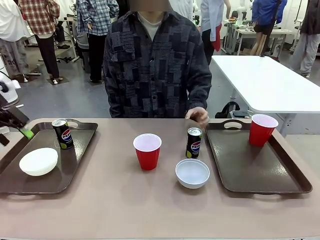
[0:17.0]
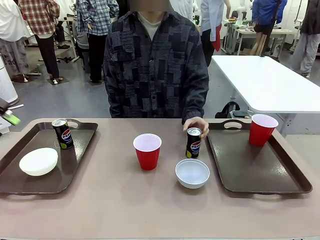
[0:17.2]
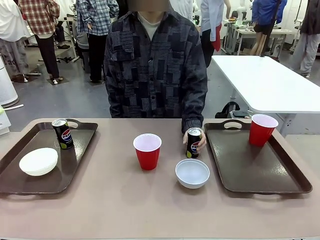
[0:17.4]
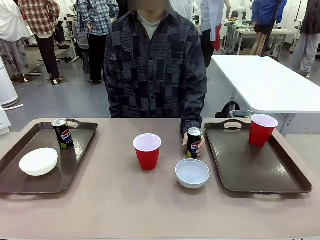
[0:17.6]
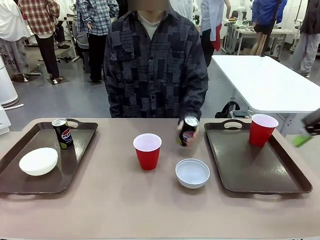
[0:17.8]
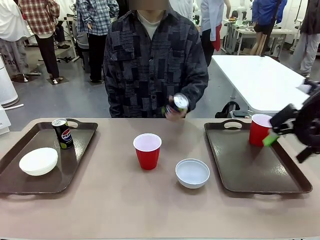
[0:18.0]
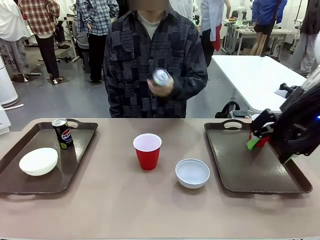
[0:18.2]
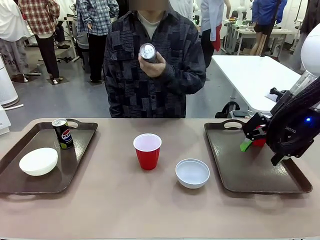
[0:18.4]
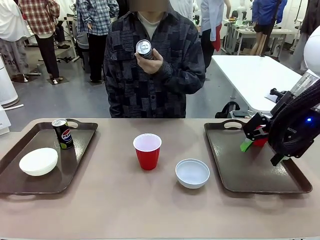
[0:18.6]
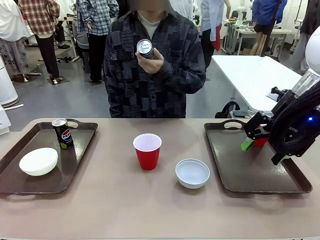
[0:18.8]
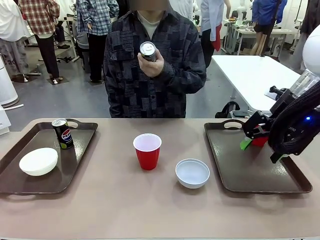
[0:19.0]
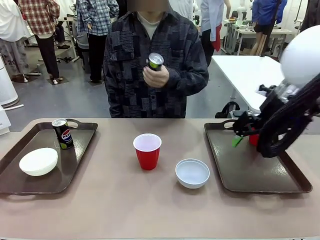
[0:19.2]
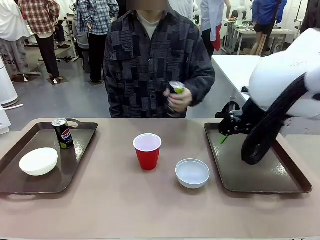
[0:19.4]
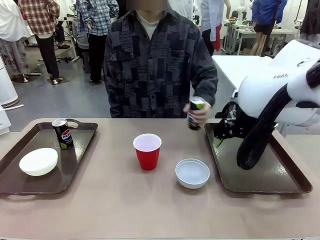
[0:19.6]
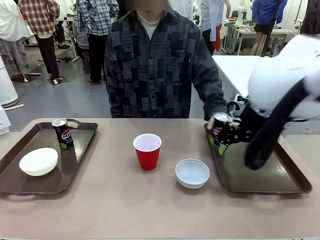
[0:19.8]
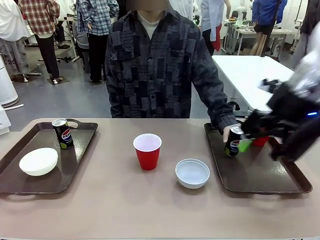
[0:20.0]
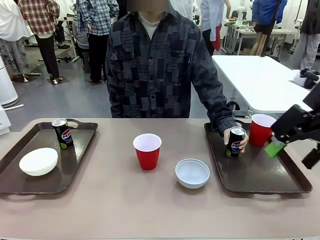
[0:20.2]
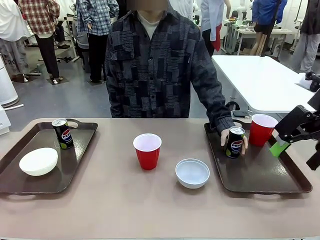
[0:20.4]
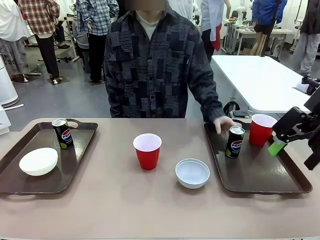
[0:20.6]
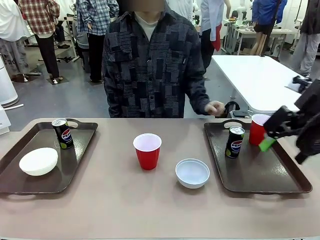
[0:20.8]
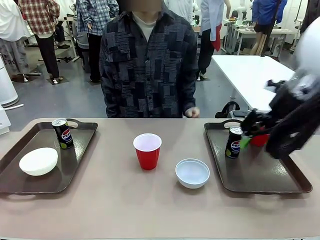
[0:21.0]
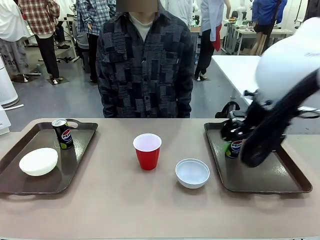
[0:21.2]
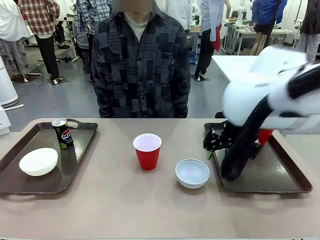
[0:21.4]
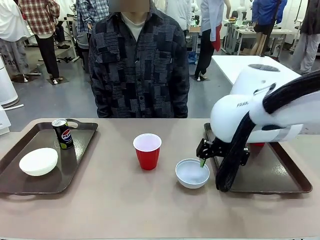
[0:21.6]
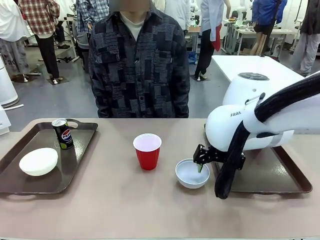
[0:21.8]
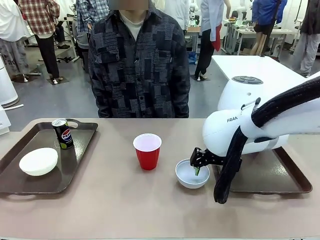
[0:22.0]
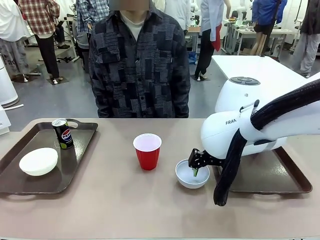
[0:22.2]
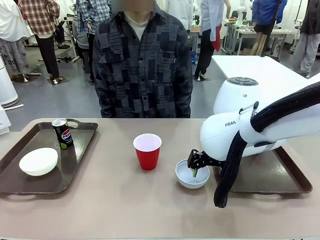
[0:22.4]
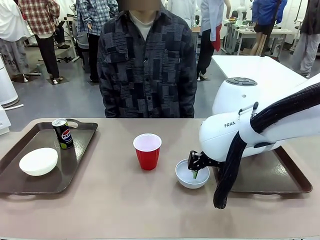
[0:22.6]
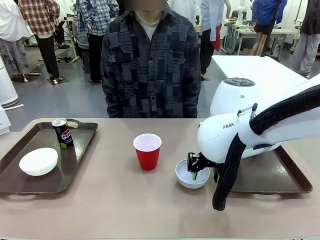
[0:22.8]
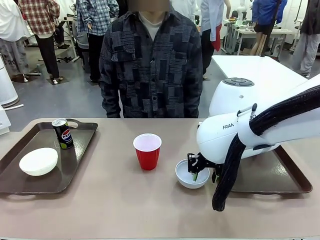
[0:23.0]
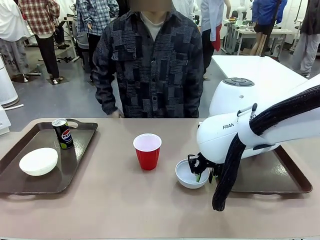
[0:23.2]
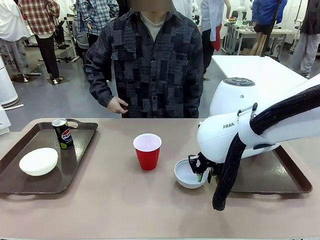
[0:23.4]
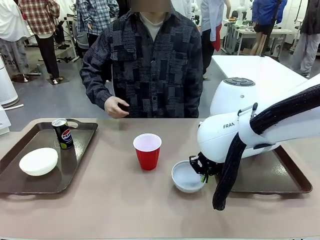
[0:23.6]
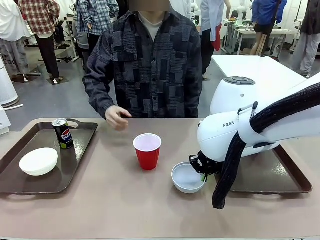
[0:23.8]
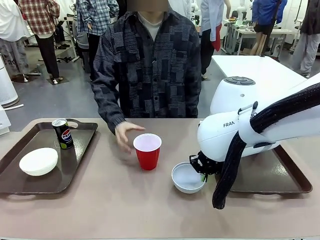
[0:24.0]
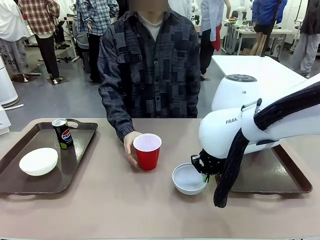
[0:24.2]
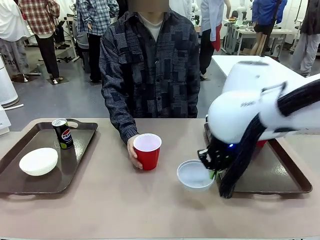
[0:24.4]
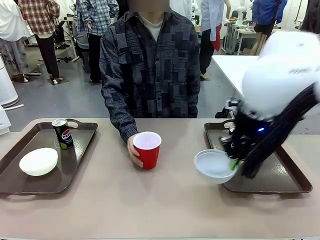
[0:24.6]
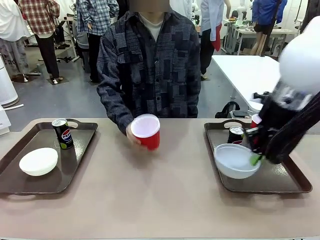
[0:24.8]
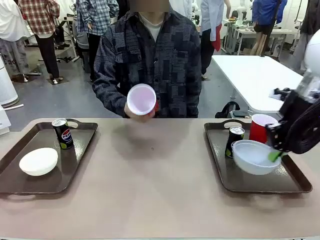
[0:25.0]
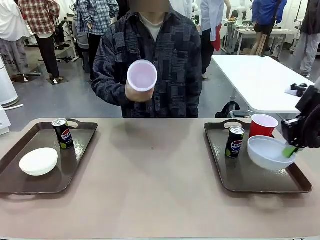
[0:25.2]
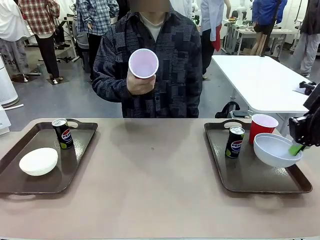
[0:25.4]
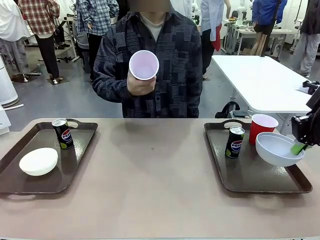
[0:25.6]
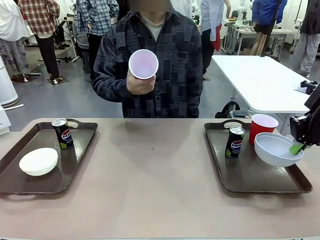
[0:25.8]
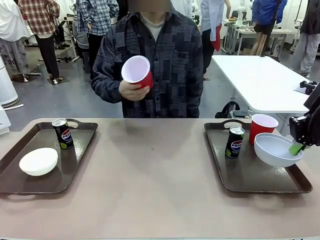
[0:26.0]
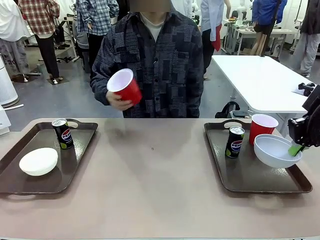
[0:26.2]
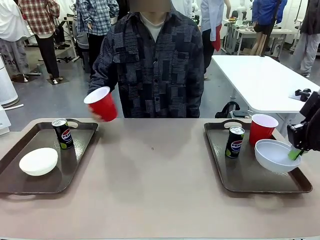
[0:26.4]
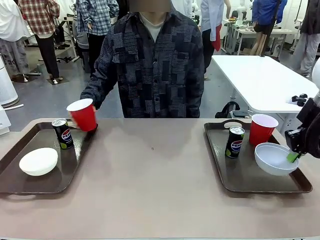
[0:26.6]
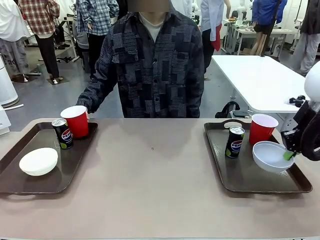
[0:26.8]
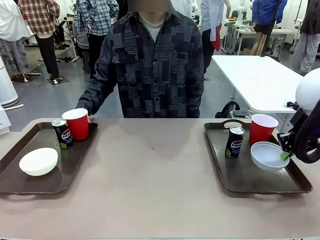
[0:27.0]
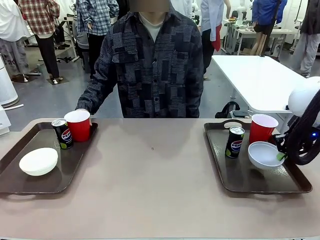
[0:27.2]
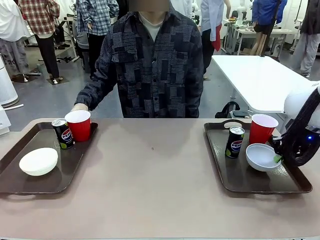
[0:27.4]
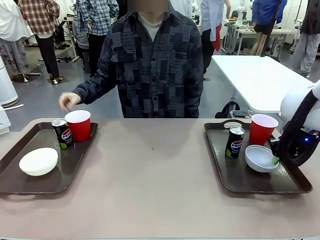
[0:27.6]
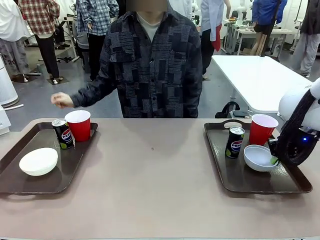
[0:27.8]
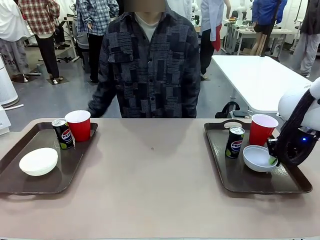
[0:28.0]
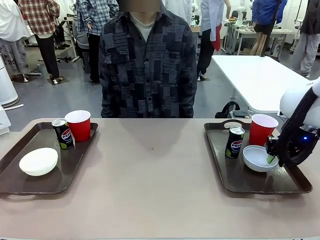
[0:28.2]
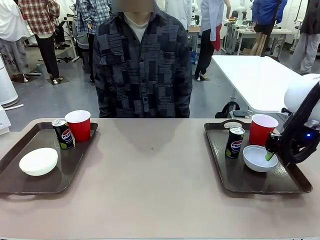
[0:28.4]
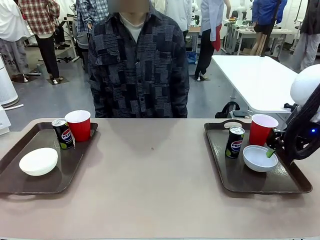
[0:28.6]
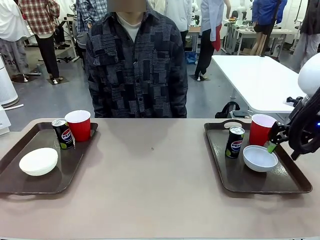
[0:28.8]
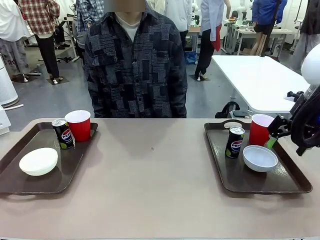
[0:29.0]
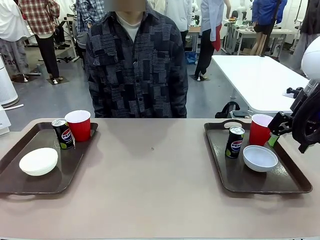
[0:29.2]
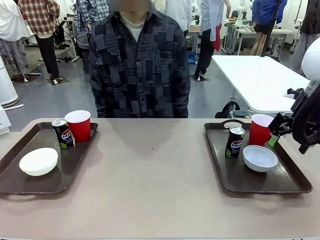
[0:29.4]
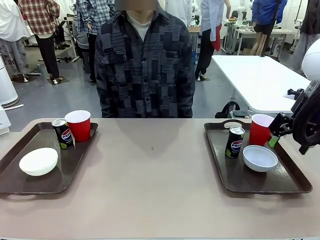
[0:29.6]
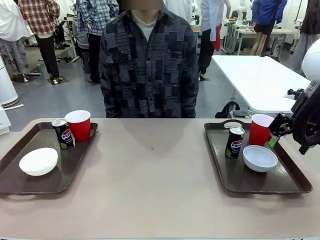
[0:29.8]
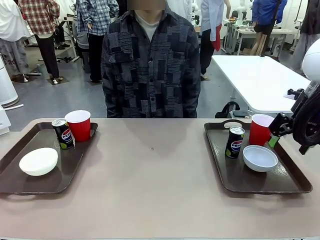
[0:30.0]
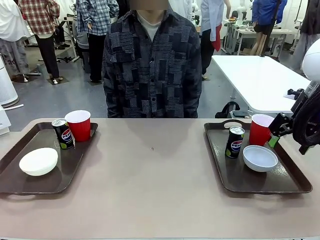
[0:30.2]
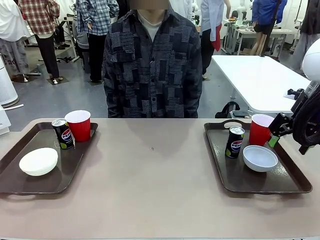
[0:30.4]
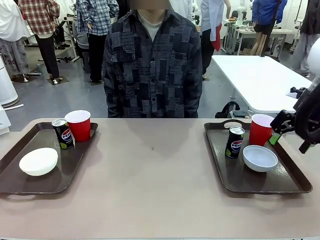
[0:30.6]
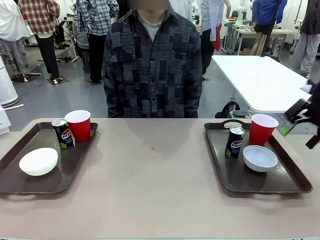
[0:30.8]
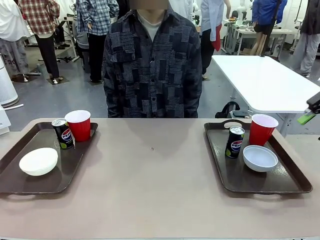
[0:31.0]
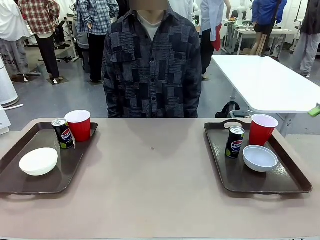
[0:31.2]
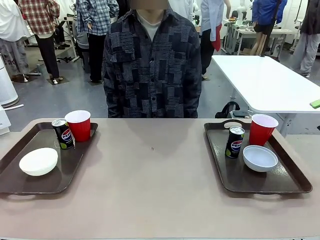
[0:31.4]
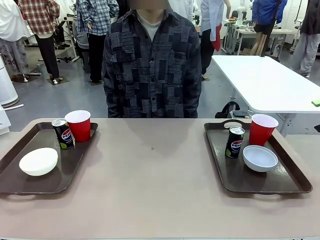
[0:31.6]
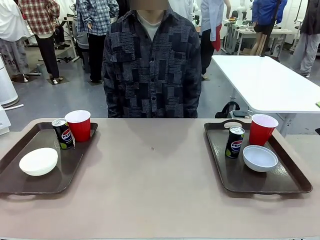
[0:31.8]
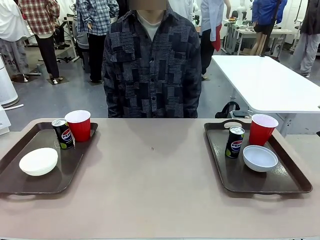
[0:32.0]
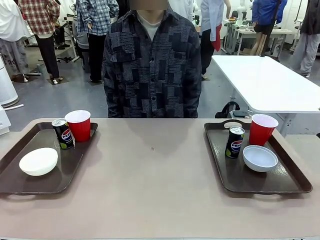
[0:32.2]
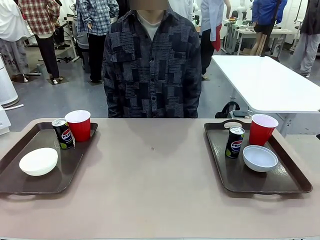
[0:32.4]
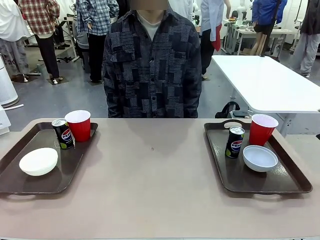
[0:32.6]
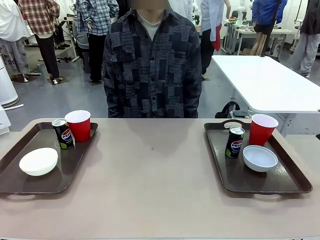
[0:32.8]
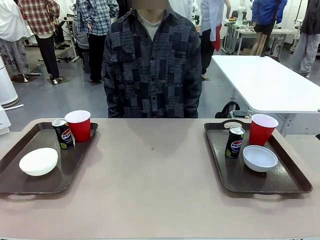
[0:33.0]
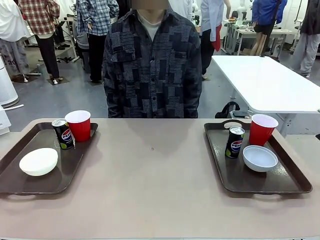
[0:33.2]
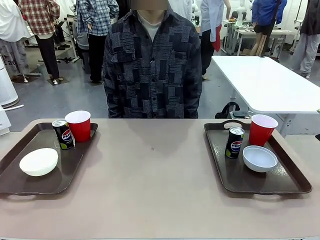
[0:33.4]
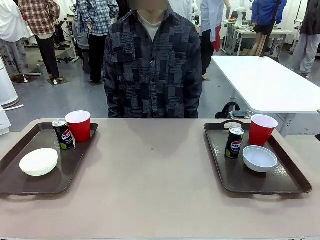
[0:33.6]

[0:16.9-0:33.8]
Task: Prepare tableware on both trays.
Robot: Pick up a Picnic Bowl from the table and place it on a Handle tray.
Person: Pick up a can or cup and place it on the tray without a can or cup.
